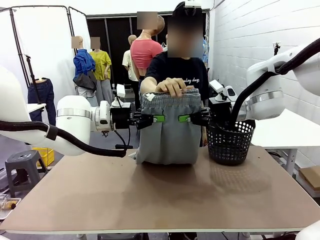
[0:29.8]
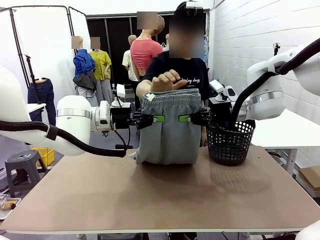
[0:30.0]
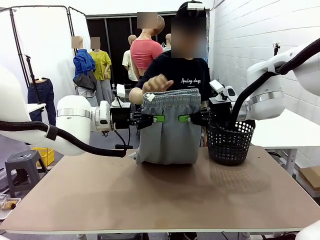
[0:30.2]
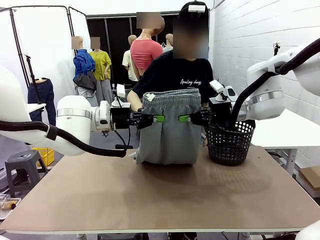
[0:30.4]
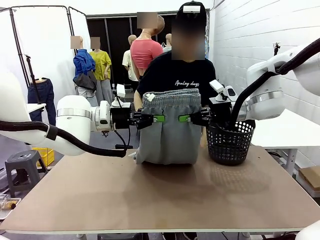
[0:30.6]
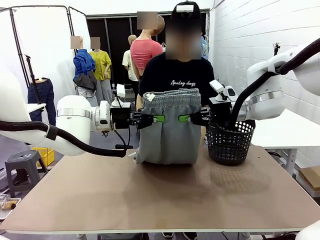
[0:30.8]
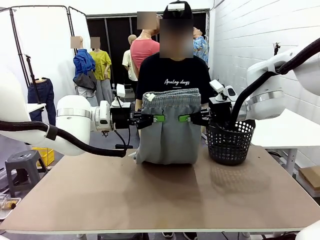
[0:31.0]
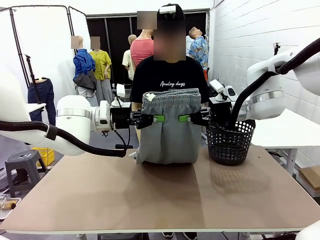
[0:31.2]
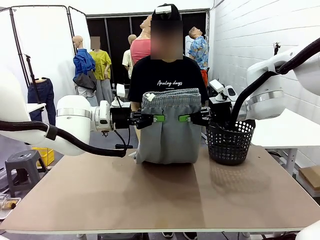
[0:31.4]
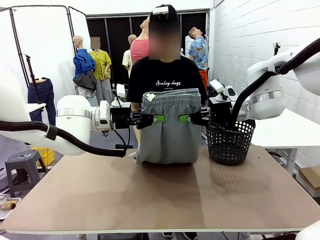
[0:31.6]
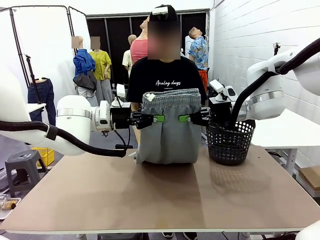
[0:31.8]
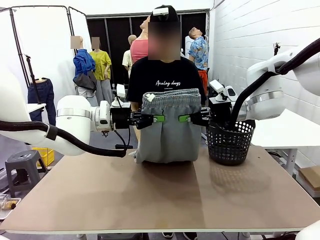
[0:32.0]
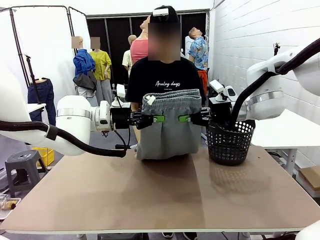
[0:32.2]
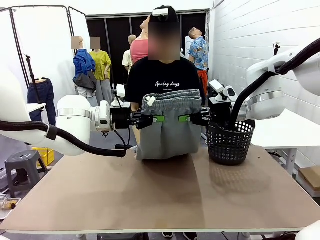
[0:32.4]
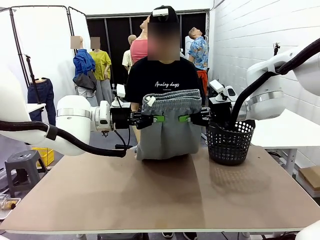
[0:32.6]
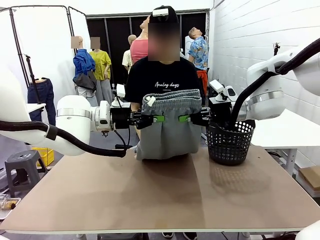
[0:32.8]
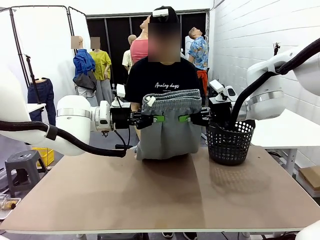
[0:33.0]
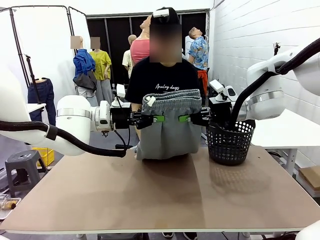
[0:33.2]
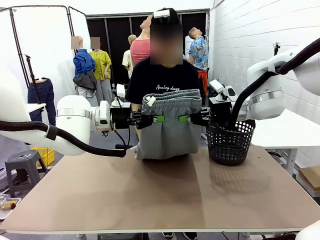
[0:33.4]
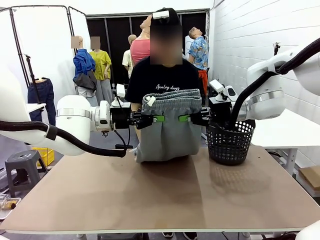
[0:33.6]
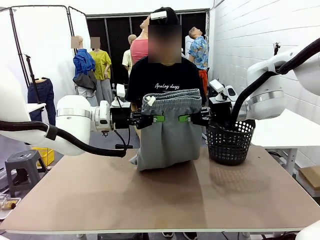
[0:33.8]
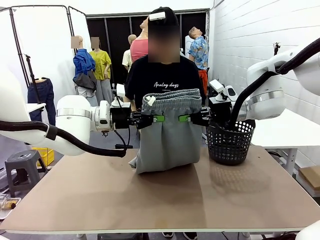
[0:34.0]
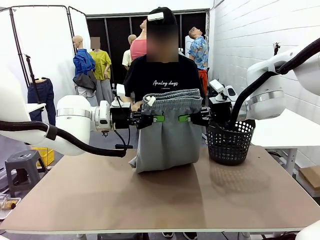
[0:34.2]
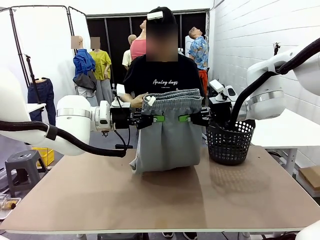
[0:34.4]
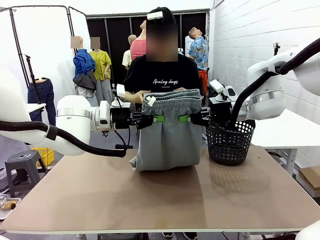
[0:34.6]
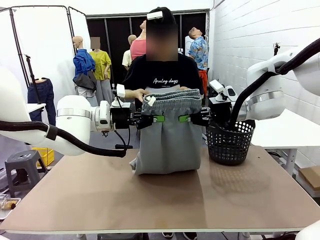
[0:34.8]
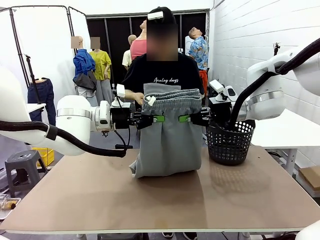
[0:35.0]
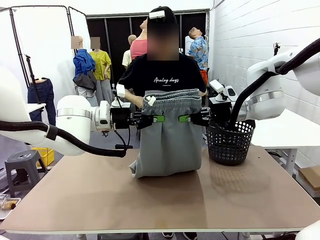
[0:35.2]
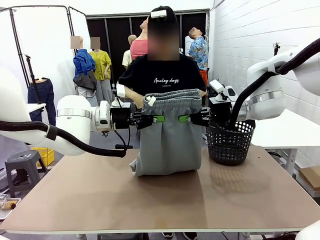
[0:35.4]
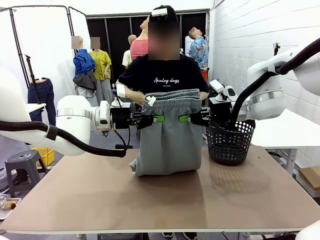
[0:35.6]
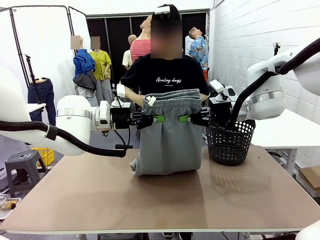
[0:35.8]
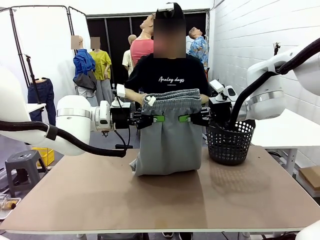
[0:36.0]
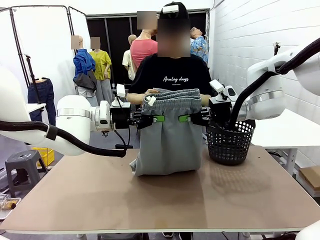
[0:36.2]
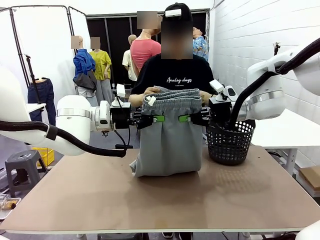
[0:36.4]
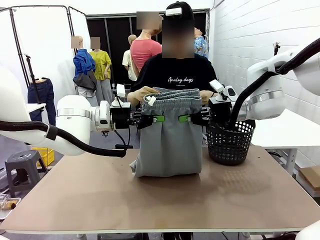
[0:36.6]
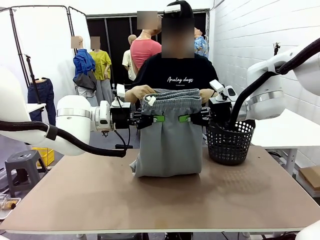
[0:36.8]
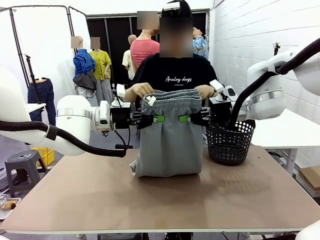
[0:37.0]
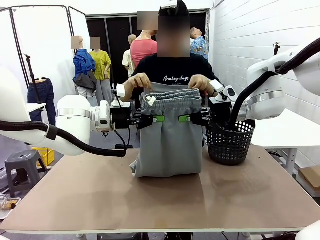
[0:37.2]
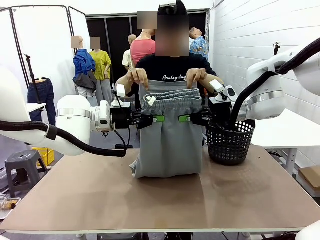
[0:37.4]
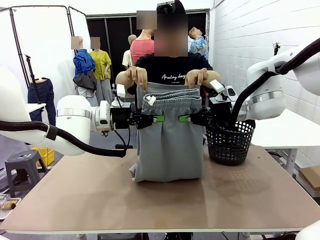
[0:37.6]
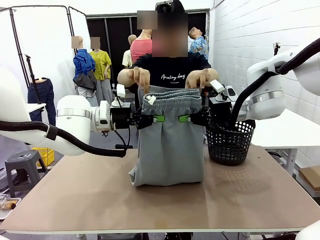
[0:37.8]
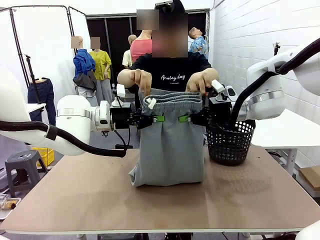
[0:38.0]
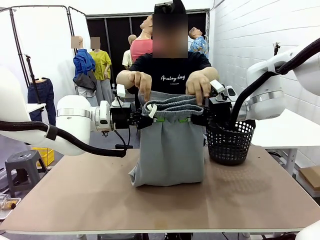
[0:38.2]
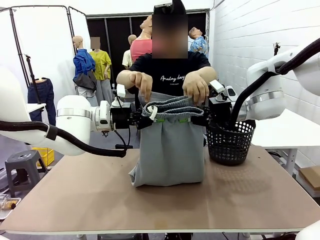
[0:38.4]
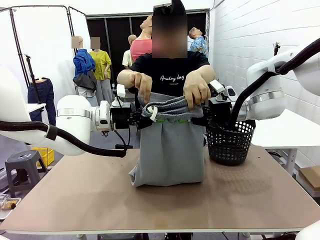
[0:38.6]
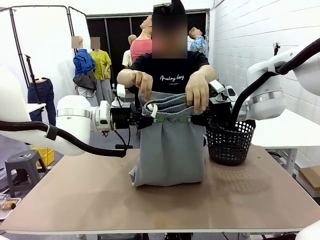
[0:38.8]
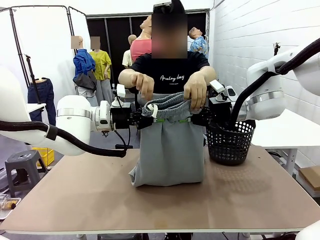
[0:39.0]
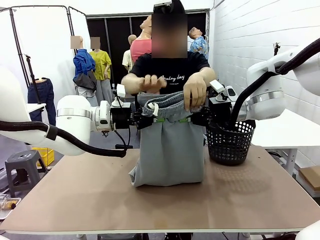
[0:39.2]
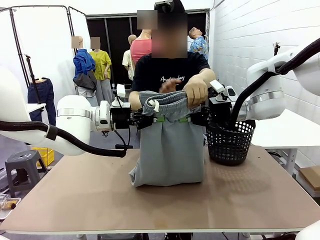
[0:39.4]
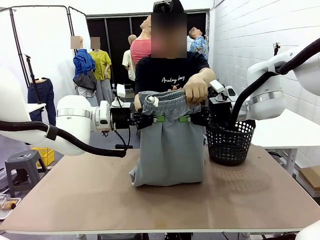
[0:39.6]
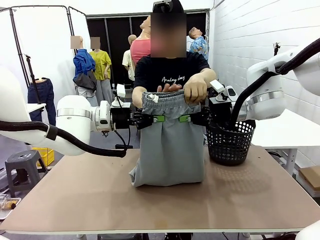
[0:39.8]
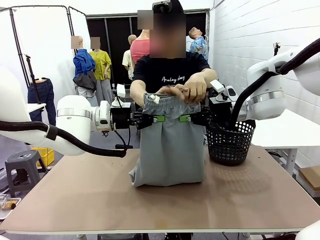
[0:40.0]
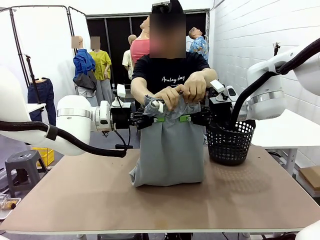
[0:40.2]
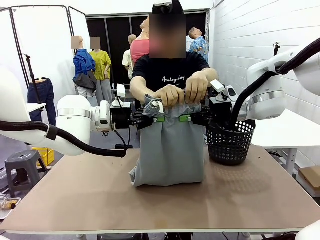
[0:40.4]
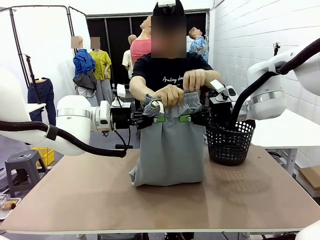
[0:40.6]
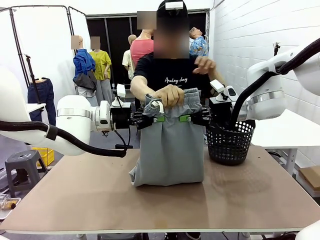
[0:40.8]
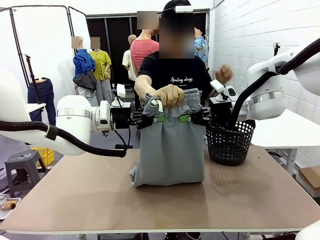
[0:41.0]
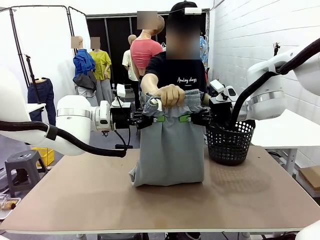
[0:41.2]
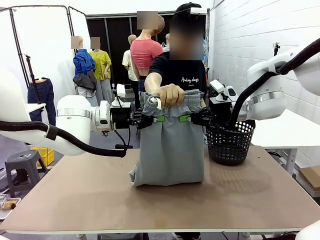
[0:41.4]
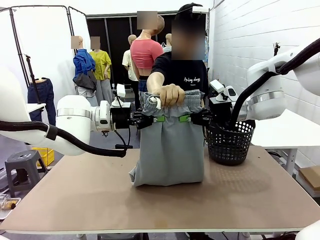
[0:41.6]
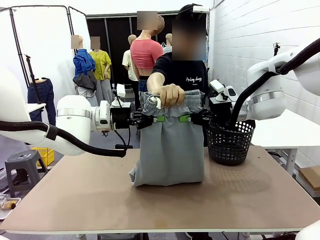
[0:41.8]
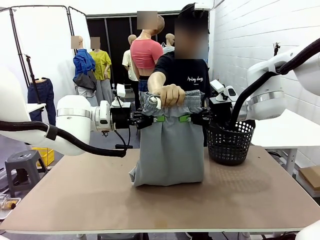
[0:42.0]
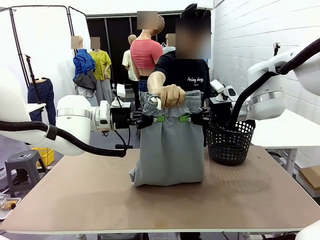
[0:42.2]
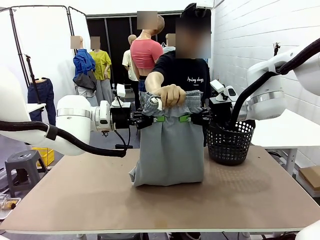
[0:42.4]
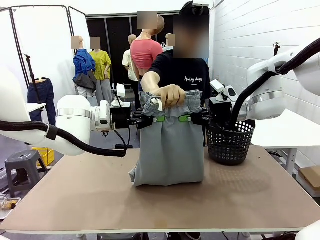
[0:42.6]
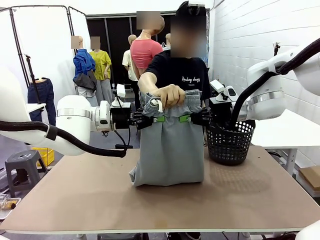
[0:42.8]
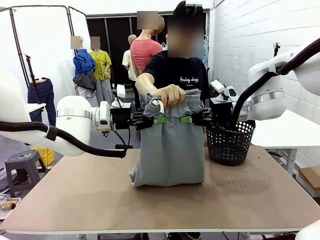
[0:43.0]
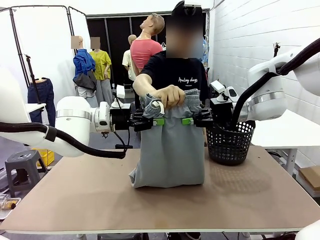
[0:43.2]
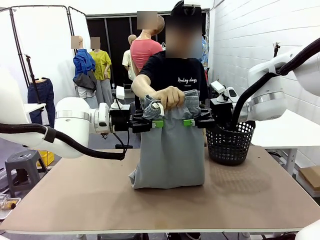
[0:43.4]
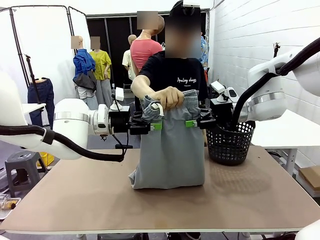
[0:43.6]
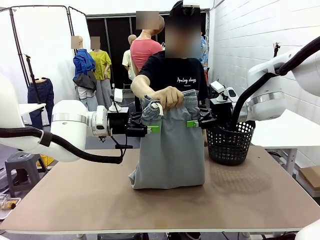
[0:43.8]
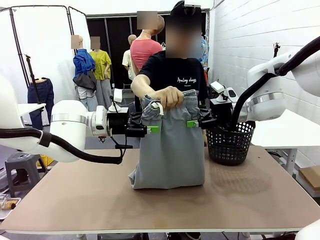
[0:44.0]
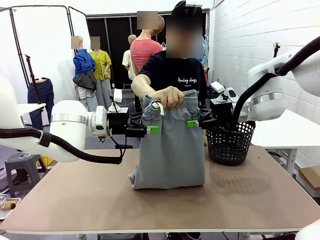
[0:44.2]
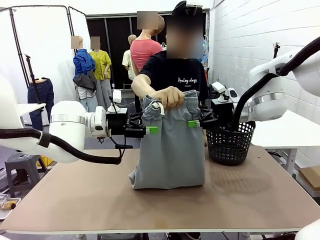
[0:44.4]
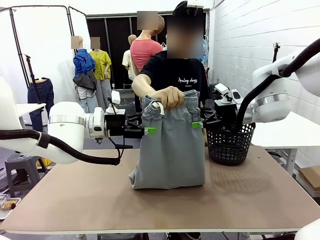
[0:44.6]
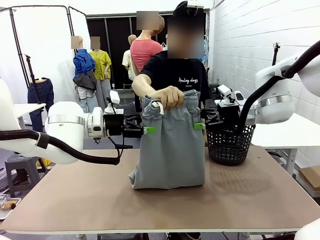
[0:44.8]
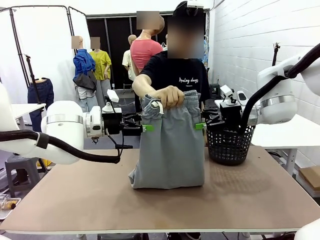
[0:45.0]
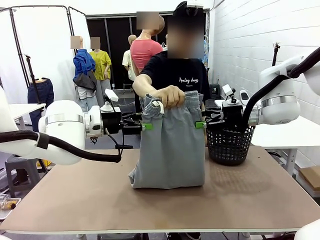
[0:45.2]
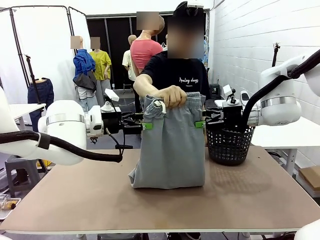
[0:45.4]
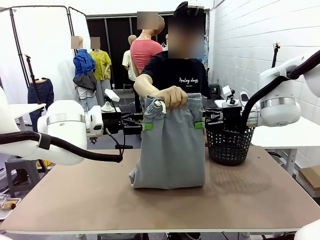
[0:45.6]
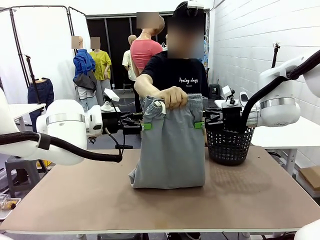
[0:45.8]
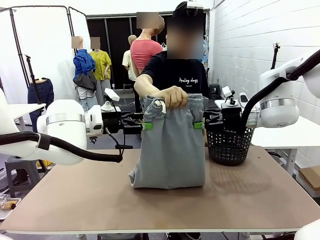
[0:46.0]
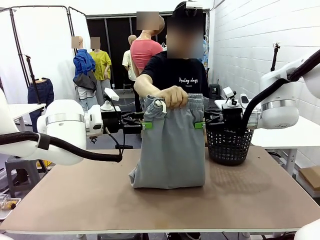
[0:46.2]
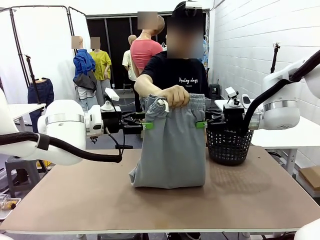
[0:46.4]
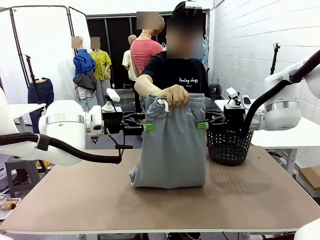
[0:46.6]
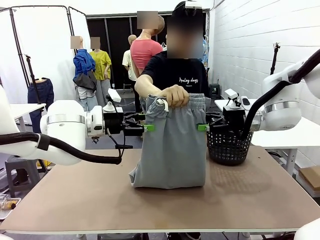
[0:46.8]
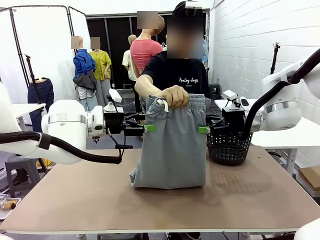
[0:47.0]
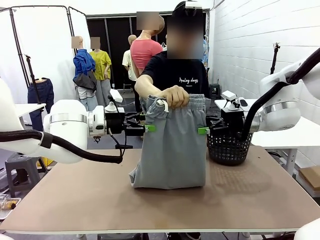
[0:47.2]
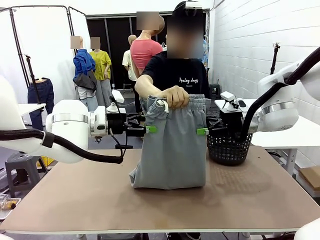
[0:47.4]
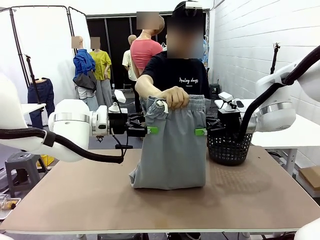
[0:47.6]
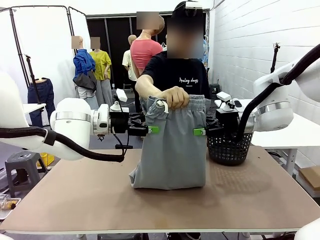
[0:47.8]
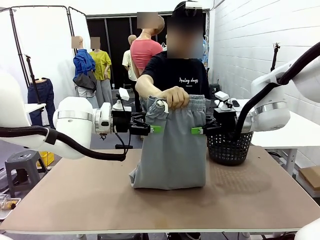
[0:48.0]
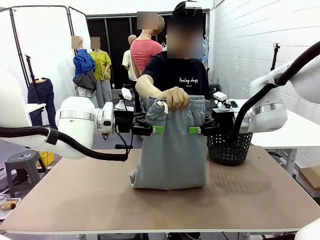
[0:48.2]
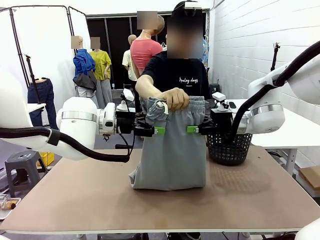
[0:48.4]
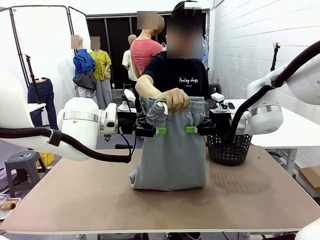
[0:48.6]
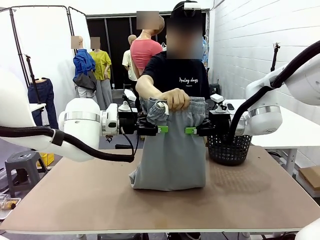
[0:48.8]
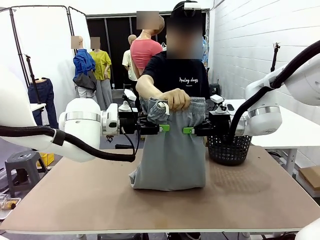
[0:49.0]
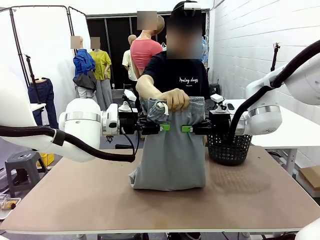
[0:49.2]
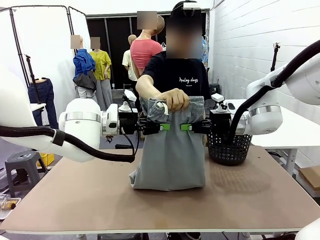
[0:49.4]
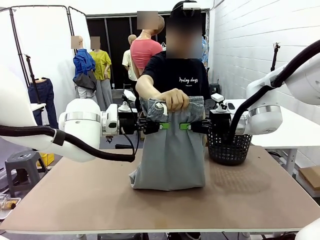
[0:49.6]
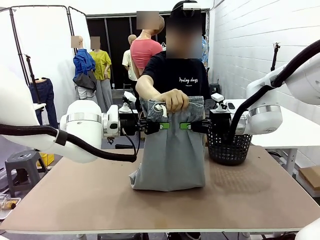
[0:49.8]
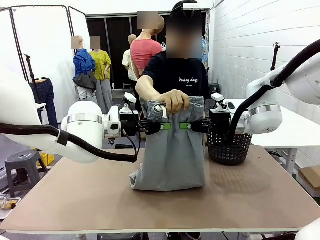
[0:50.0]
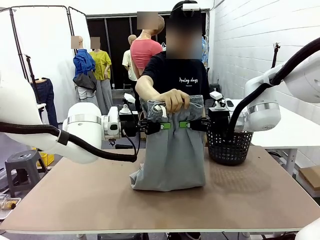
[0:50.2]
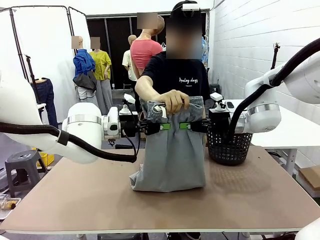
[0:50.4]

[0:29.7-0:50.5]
Task: Fold the training pants.
Robot: Release the ends of the Training pants and then grab the overlapped ends.
Person: Grasp the end opposite the point the robot is holding, fold the pants in half, and then grasp the overlapping top end of the folded pants. Release the pants you were holding.
